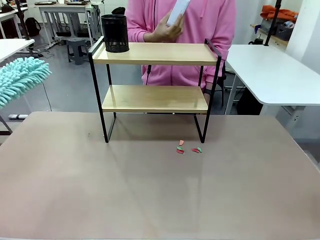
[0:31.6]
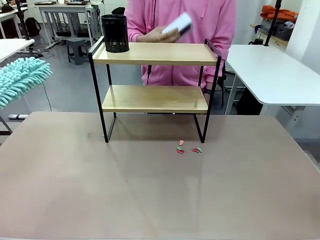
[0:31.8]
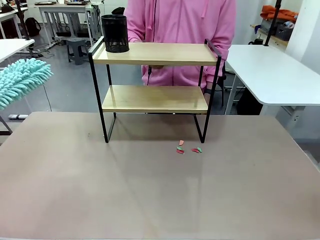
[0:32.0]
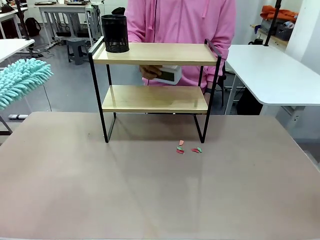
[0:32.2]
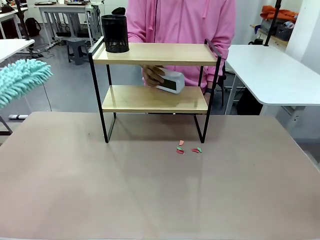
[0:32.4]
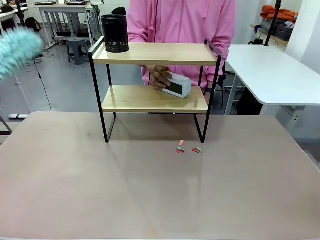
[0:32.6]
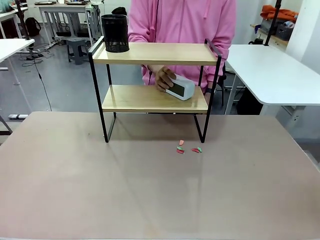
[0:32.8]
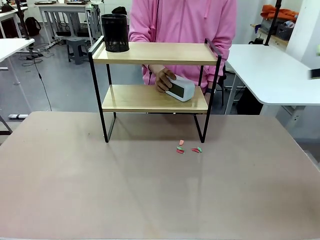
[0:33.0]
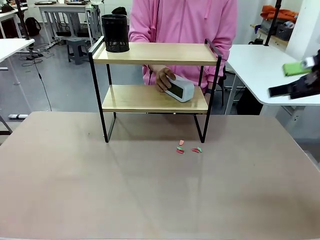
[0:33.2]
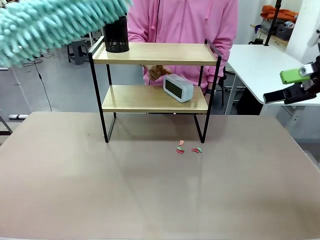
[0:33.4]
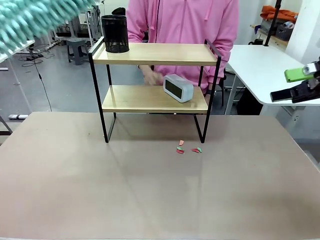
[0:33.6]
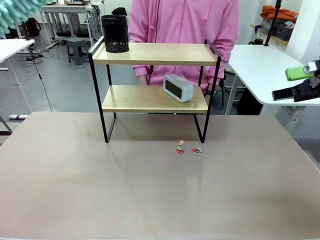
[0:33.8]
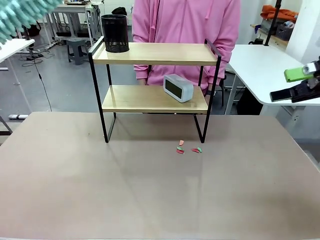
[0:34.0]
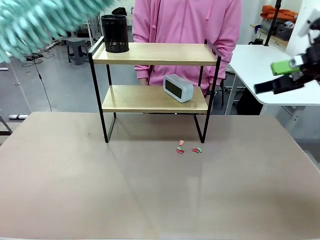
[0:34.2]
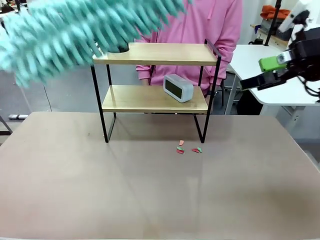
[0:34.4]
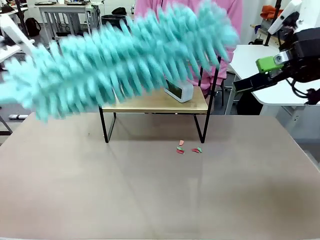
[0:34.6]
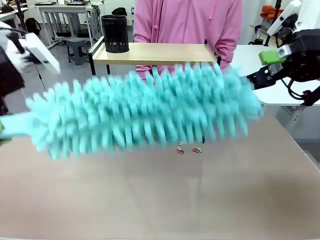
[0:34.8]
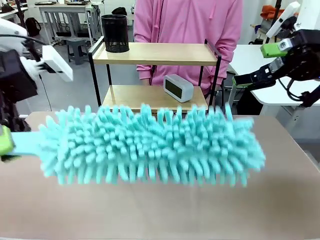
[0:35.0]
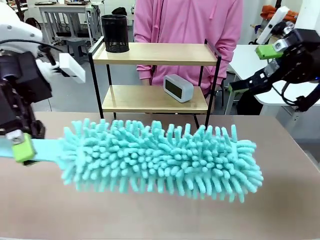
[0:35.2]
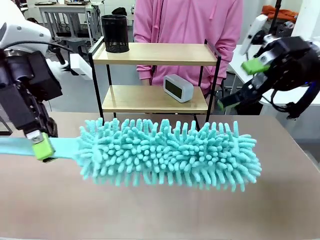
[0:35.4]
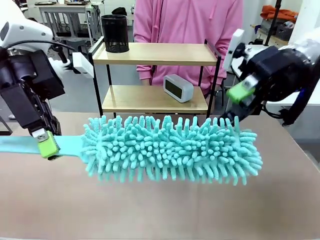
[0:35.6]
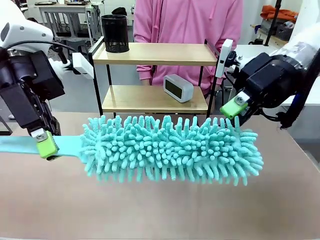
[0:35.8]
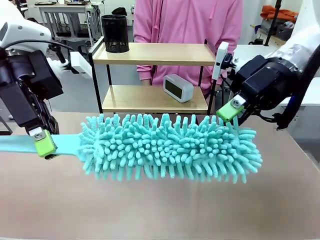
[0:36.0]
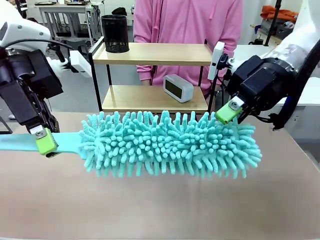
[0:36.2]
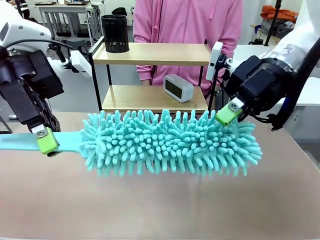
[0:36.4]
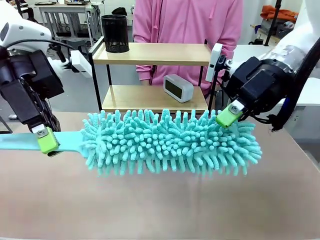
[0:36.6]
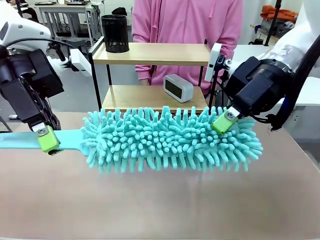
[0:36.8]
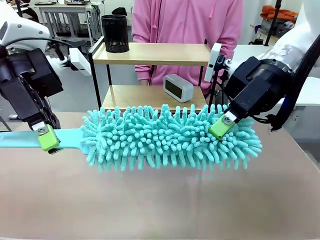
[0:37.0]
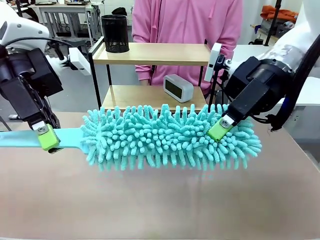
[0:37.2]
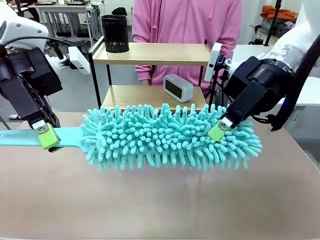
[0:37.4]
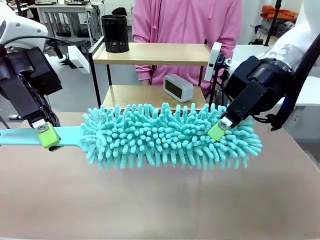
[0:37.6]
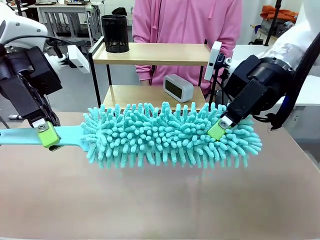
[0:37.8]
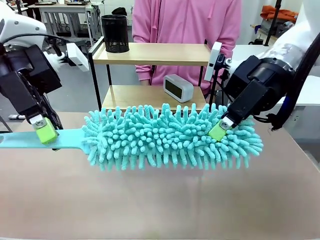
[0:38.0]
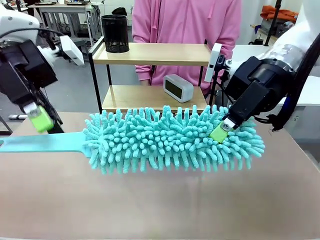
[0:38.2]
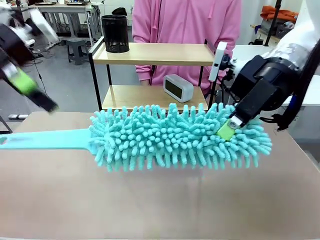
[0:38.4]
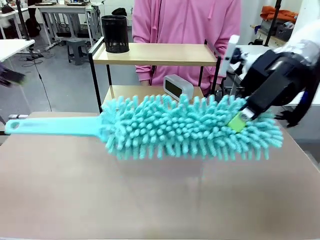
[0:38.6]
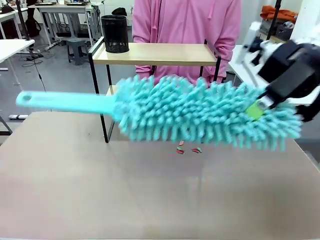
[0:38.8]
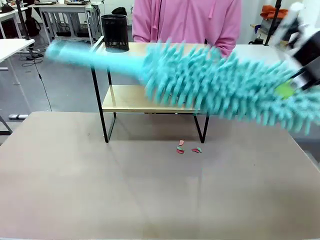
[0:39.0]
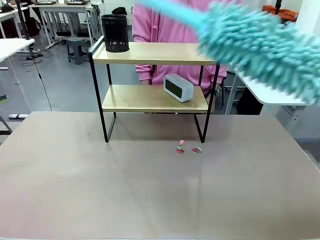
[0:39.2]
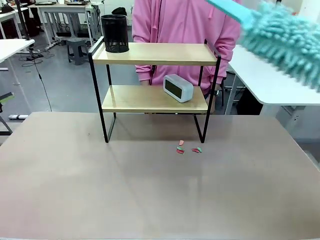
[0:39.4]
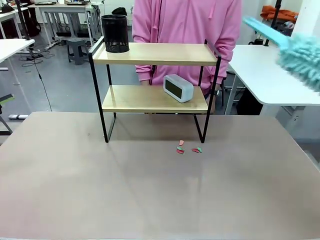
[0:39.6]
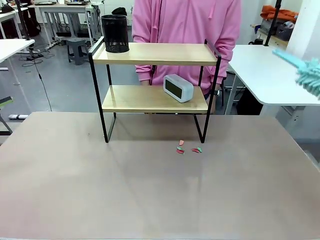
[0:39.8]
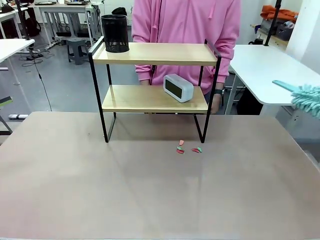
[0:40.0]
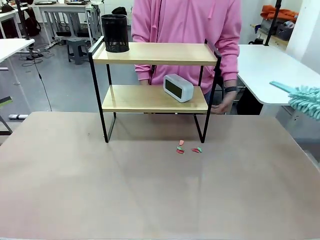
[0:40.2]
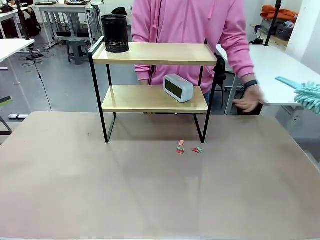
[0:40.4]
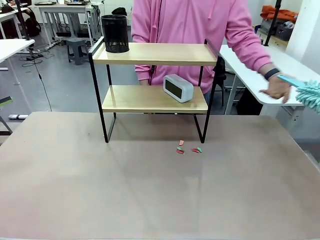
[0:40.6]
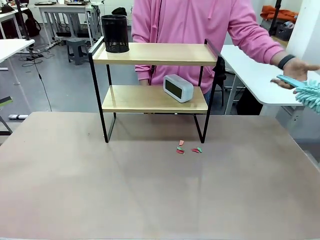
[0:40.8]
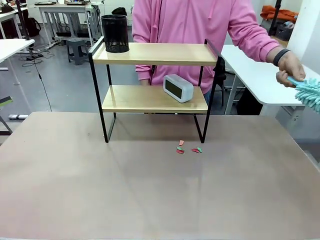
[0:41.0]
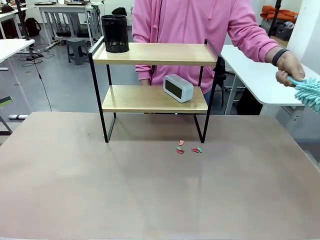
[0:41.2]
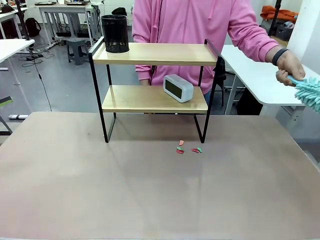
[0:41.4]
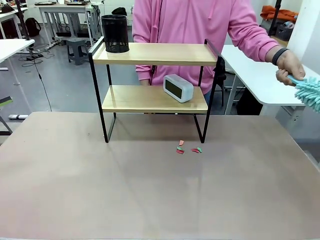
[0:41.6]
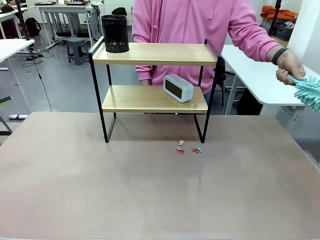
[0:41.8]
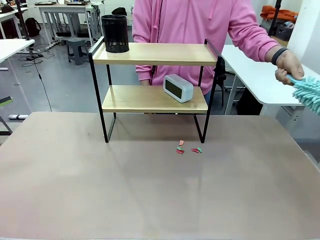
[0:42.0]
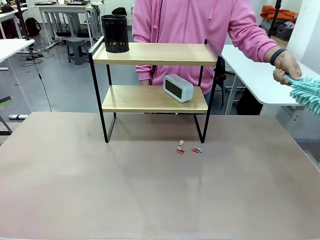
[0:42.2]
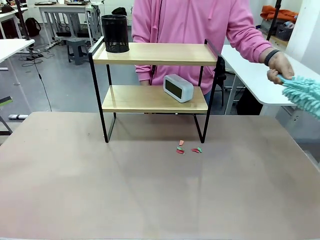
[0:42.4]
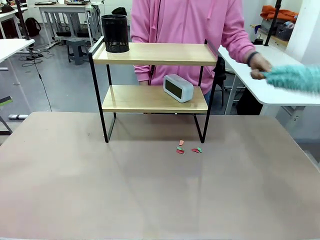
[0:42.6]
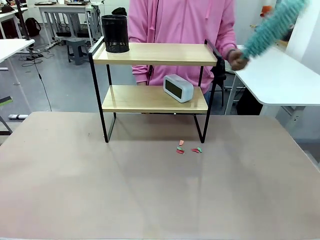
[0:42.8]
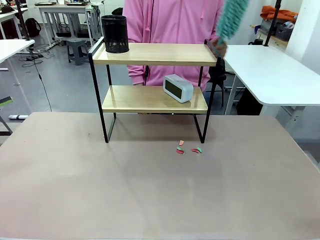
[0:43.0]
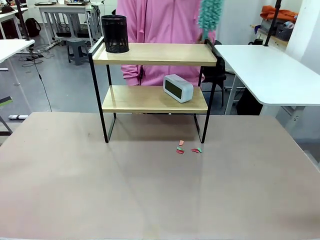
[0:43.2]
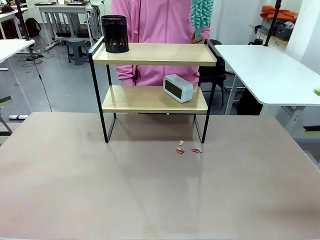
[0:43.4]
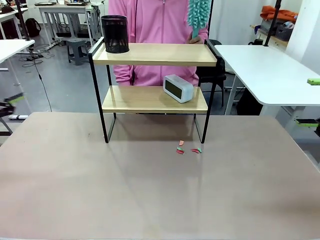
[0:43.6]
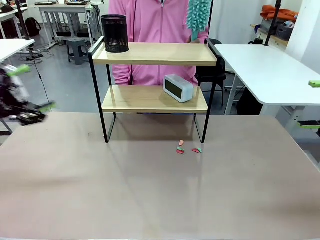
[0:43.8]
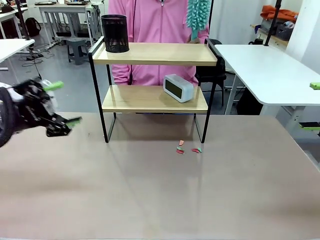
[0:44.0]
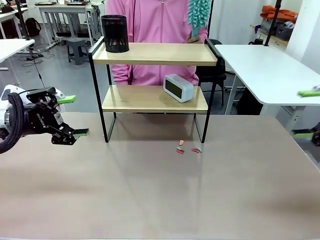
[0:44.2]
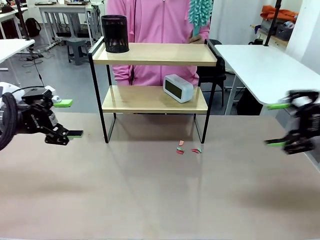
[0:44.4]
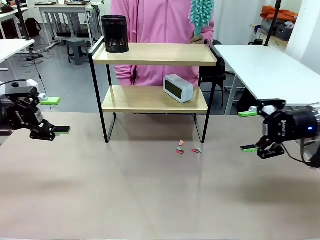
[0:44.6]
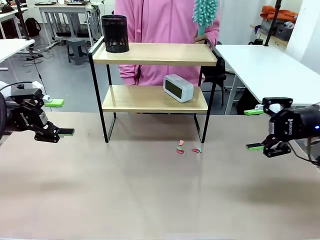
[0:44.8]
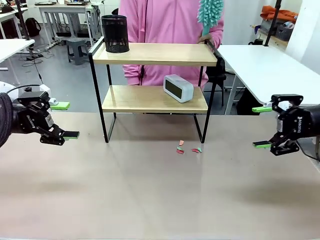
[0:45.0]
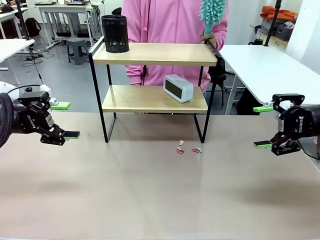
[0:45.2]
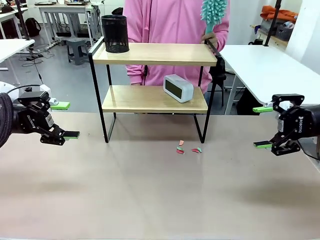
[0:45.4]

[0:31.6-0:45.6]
Task: Clean the shelf.
Robot: Hand the Duster back to the human.
Person: Receive the Duster from the robot.

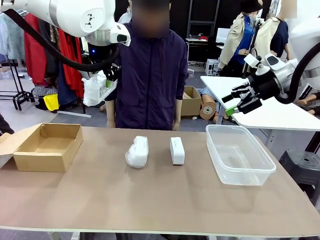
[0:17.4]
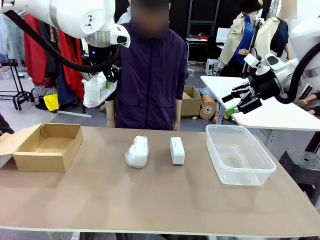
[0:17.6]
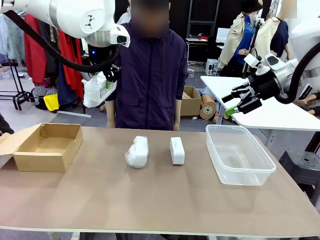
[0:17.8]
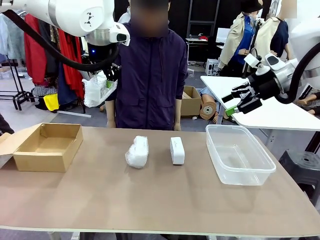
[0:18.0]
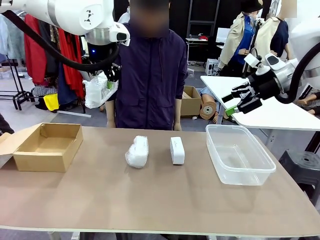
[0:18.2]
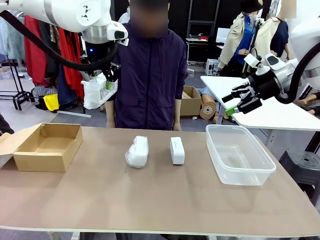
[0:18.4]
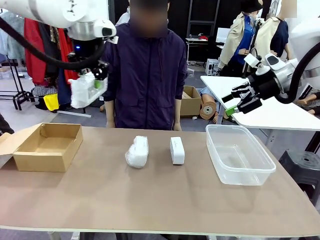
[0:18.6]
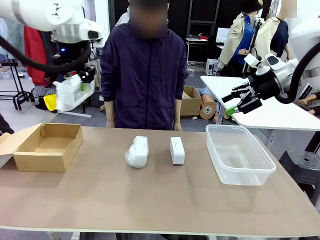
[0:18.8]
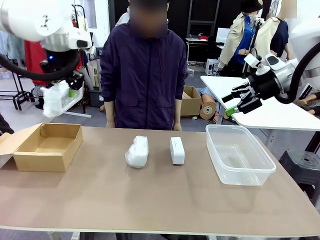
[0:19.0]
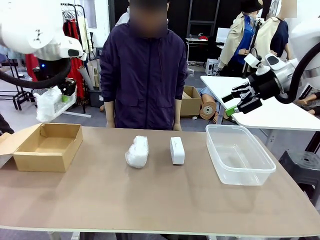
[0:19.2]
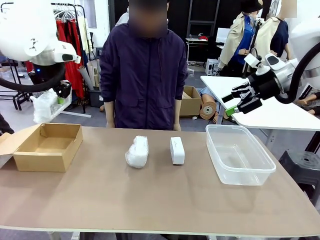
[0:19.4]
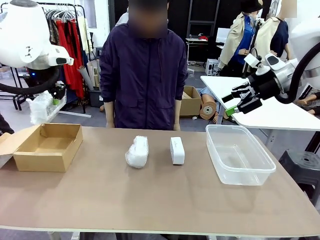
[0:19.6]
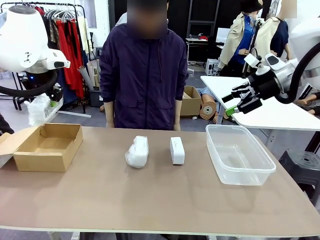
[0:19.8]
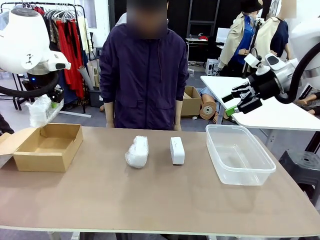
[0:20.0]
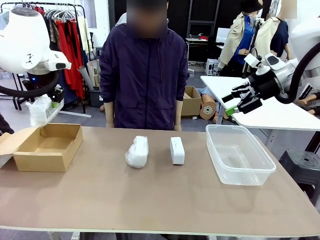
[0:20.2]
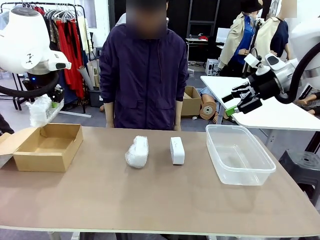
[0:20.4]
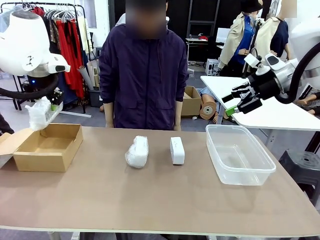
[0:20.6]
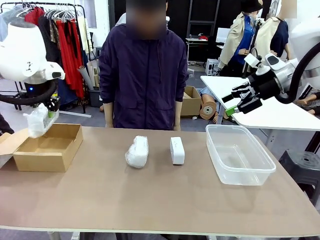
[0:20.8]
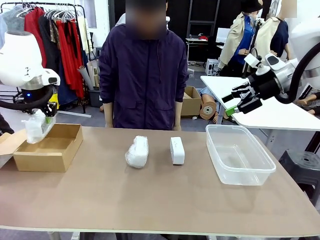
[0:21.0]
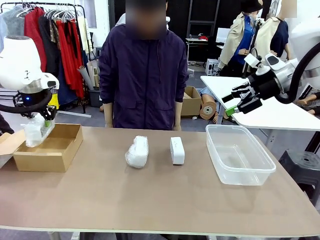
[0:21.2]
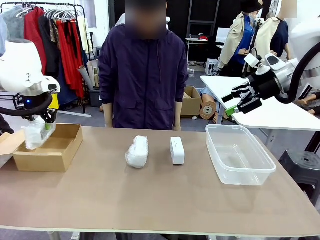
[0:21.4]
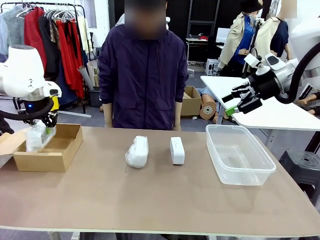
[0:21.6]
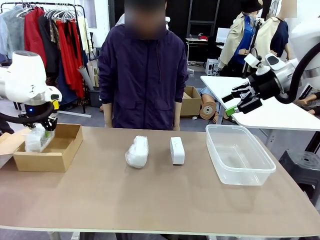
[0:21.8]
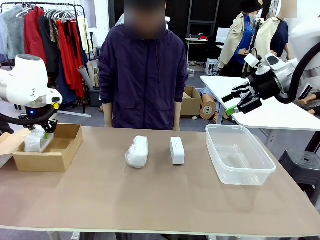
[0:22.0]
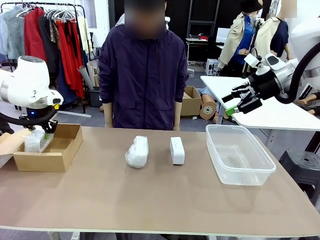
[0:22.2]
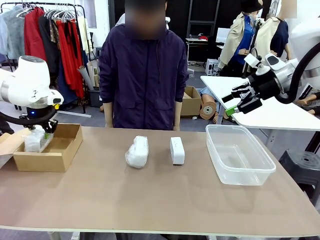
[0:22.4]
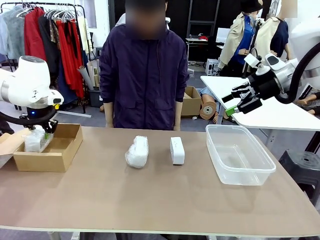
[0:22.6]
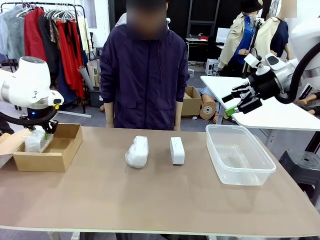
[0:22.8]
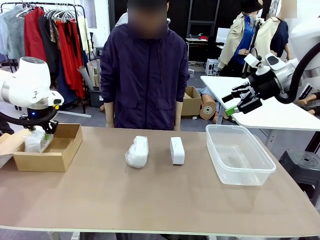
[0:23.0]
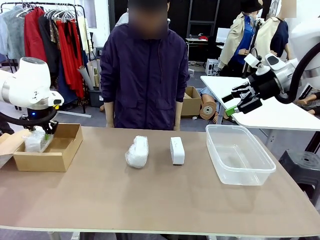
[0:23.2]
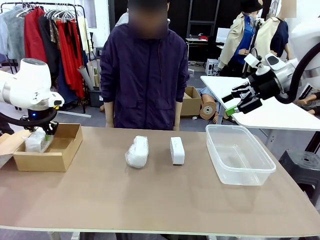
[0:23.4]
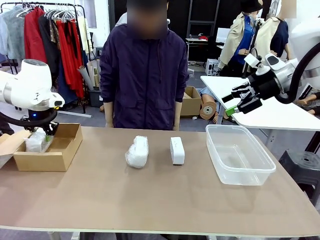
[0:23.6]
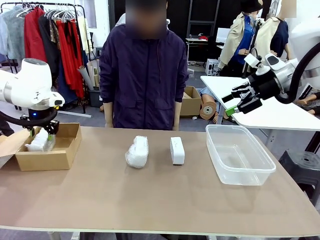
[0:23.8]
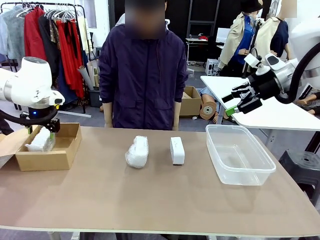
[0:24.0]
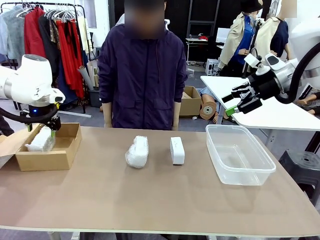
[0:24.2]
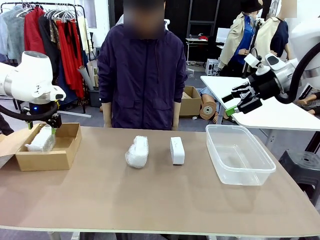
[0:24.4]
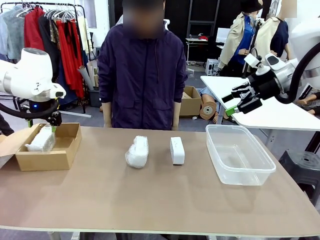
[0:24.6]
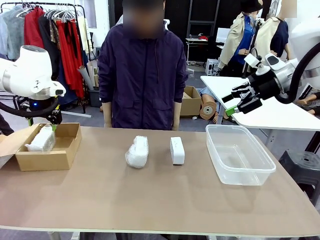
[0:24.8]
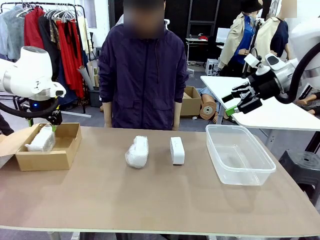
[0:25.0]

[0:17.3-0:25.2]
Task: Separate and place wrapped and unwrapped clocks.
Robot: If the picked Digital clock is wrapped, place it in the Package Box ; if not, place it in the Organizing box.
